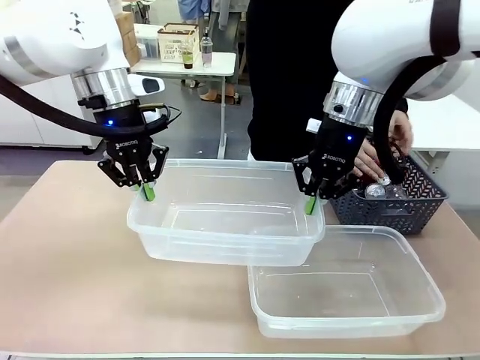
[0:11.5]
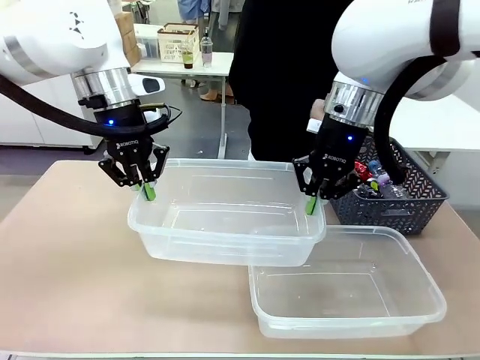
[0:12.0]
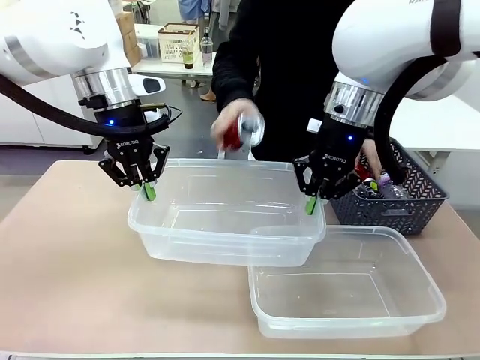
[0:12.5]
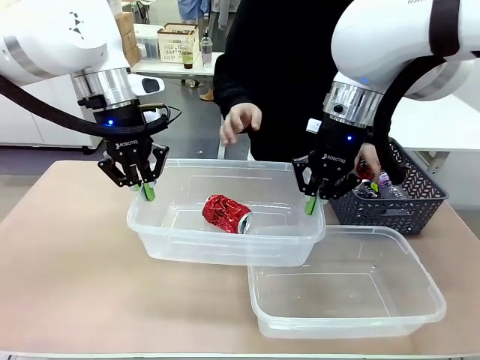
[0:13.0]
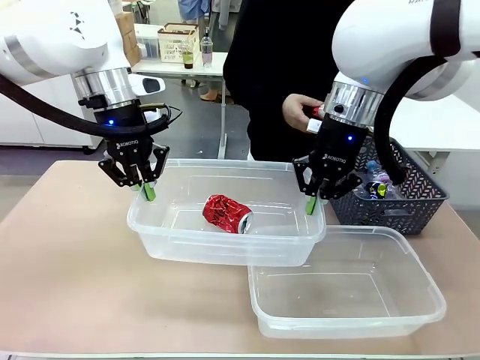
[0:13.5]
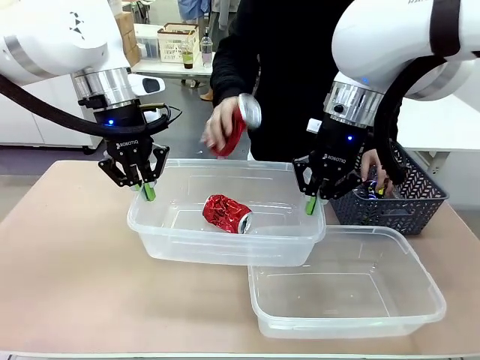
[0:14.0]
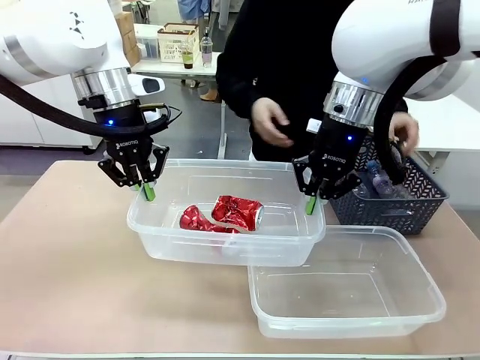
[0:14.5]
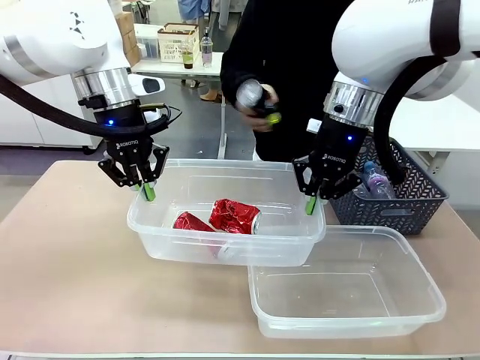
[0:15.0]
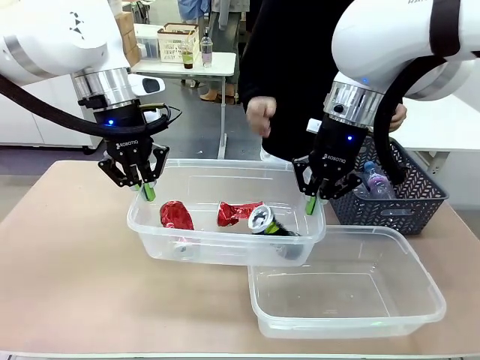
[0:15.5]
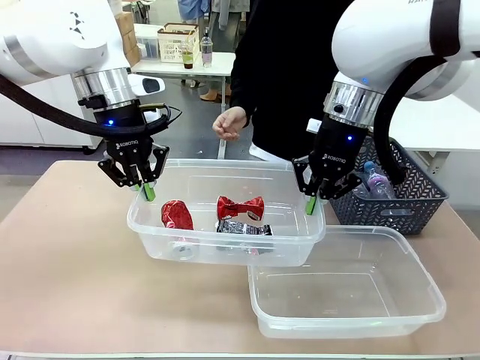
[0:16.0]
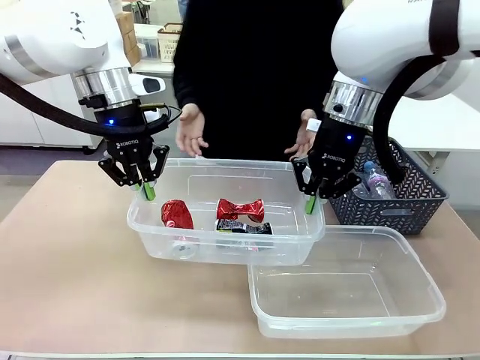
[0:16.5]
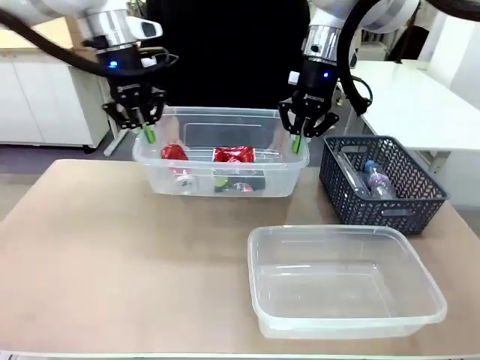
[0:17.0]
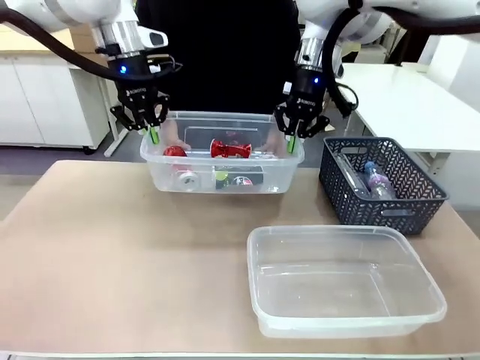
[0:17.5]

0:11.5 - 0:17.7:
Robot: Offer the picked Organizing box to the human.

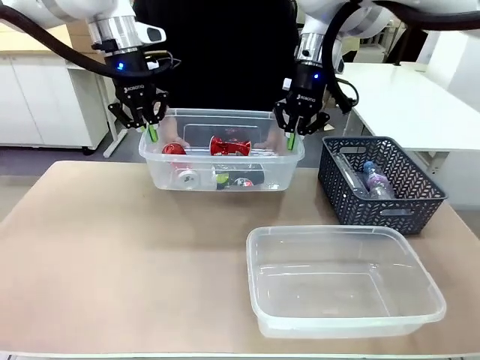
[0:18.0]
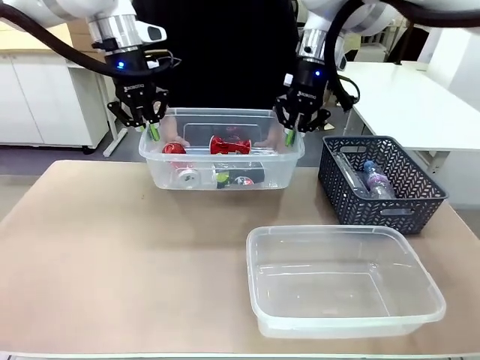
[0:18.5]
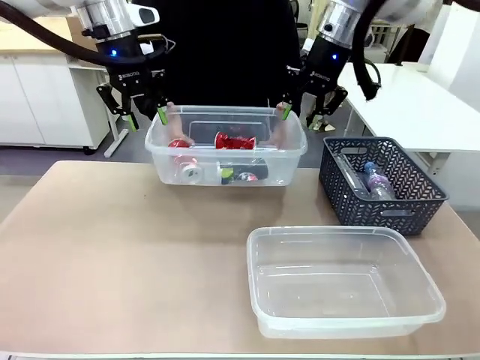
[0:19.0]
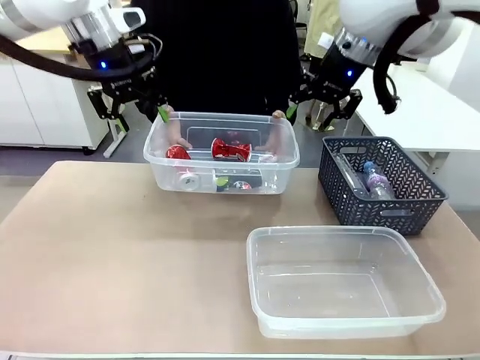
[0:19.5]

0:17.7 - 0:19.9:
Robot: Release the Organizing box you were holding.

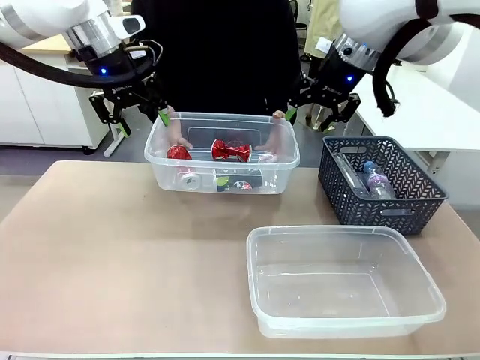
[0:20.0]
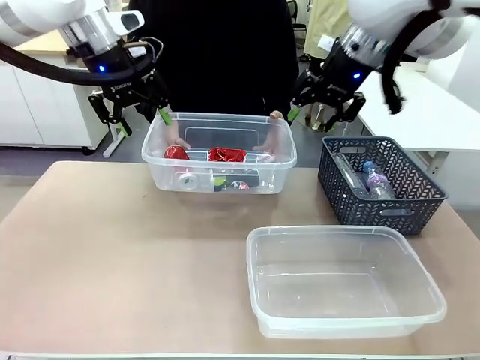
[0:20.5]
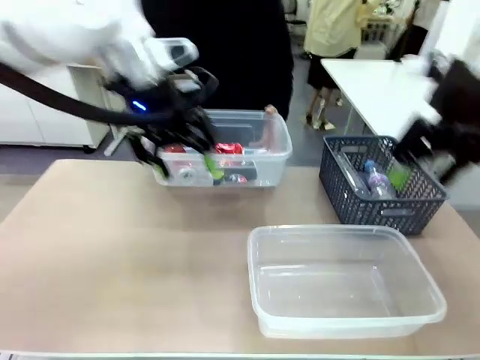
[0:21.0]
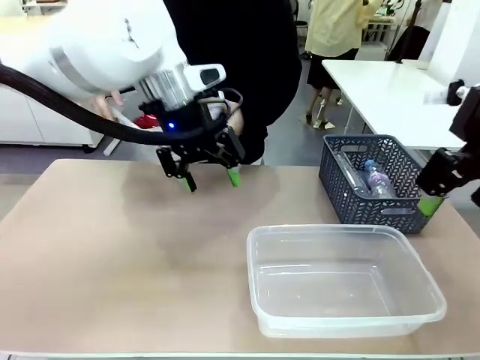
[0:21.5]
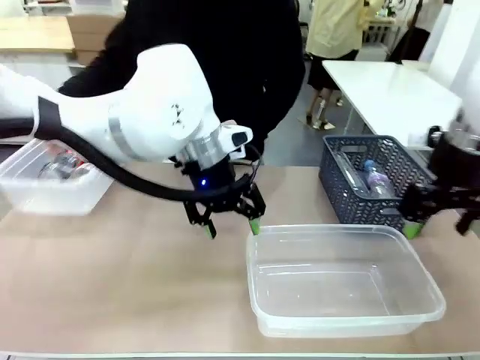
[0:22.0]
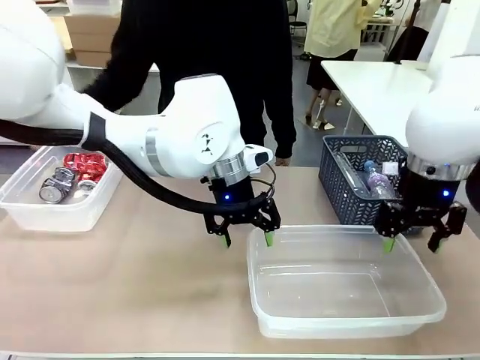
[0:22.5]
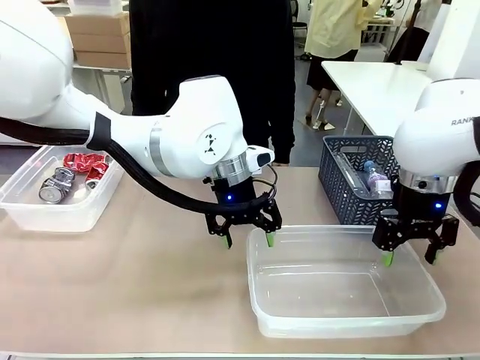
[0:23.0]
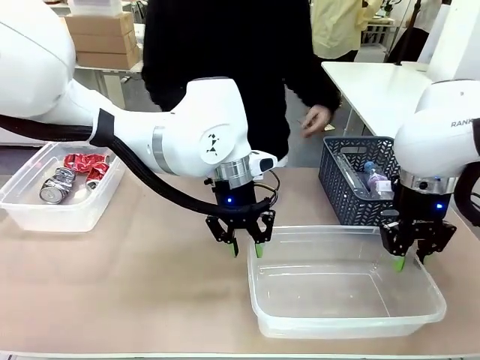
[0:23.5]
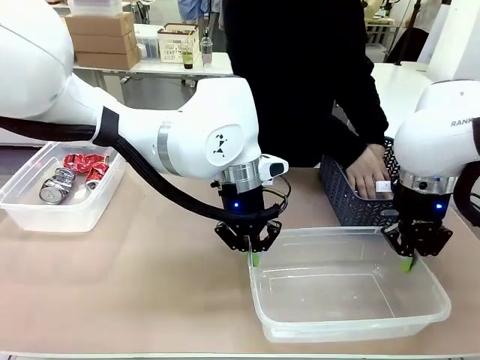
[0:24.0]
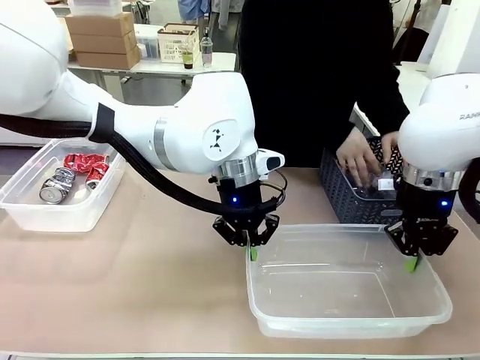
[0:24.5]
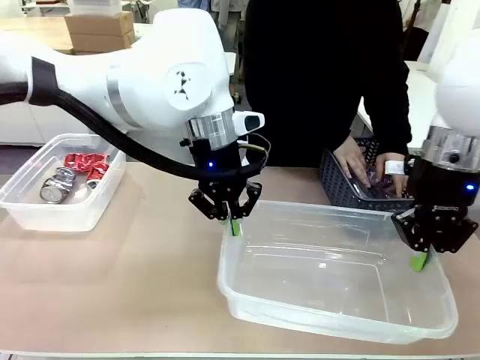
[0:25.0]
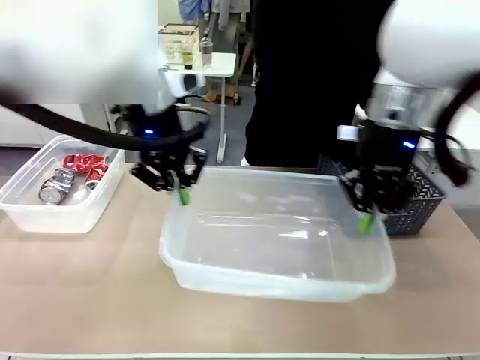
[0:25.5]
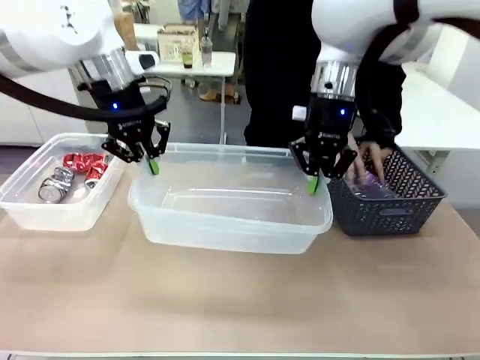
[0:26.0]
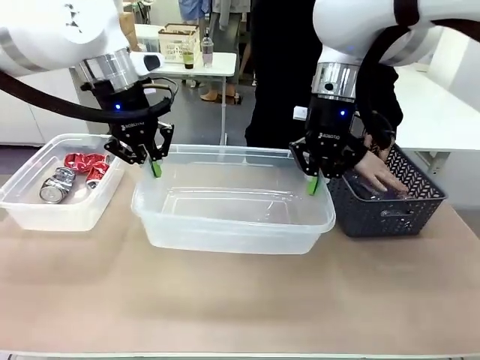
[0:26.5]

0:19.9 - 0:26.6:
Robot: Pick up the Organizing box on the right side of the table and lift it.
Person: Place it at the edge of the bottom right area of the robot table.

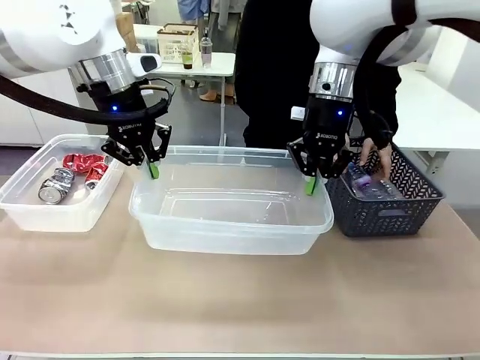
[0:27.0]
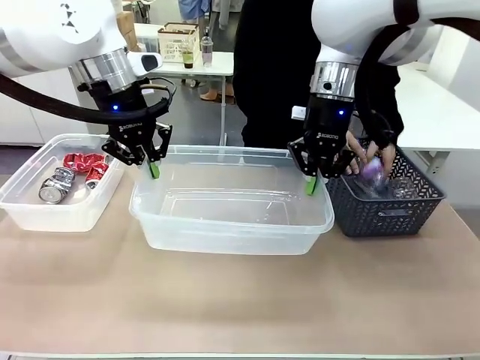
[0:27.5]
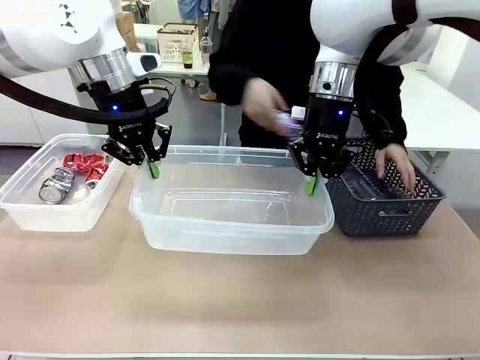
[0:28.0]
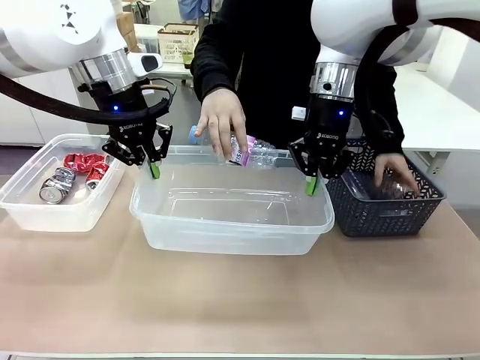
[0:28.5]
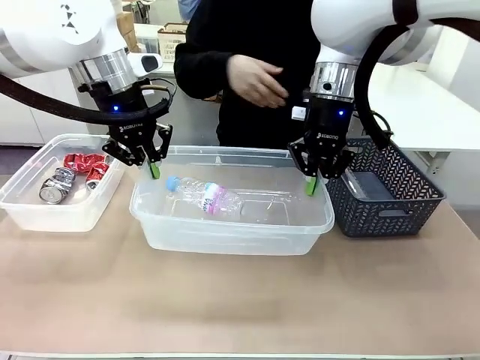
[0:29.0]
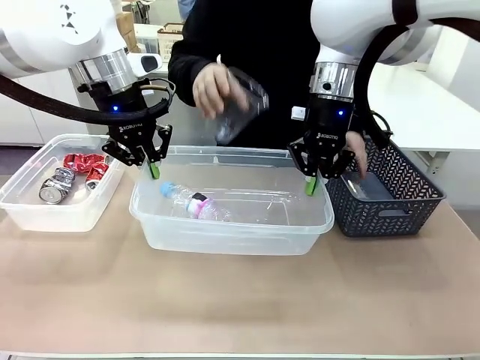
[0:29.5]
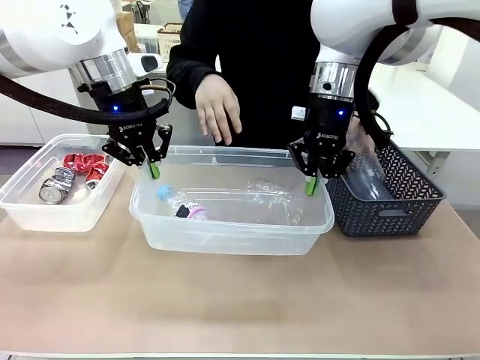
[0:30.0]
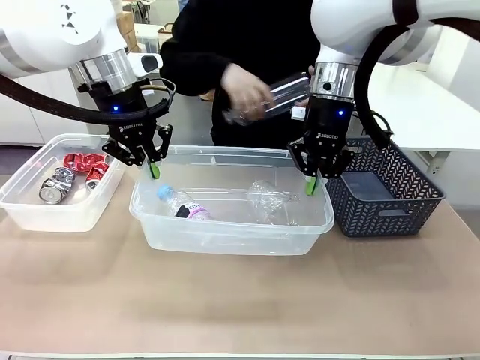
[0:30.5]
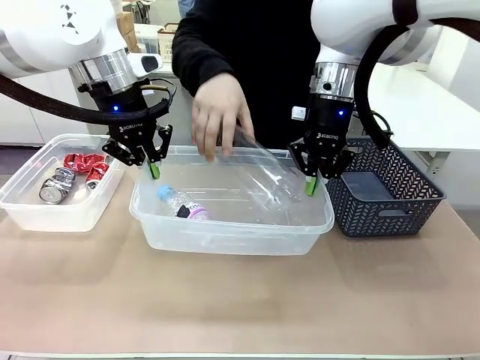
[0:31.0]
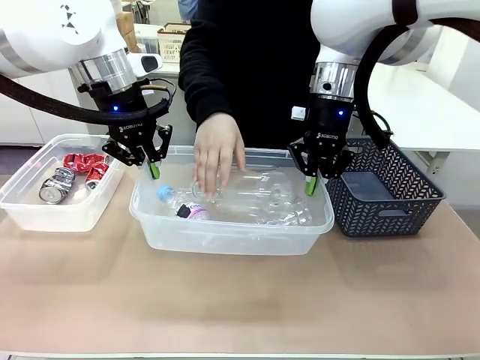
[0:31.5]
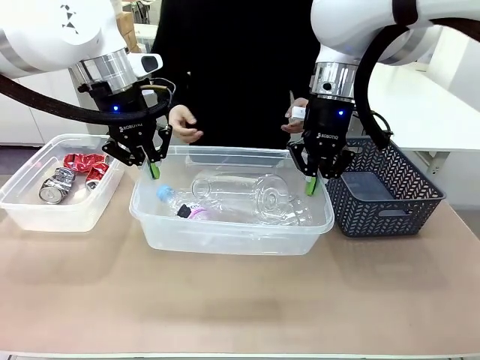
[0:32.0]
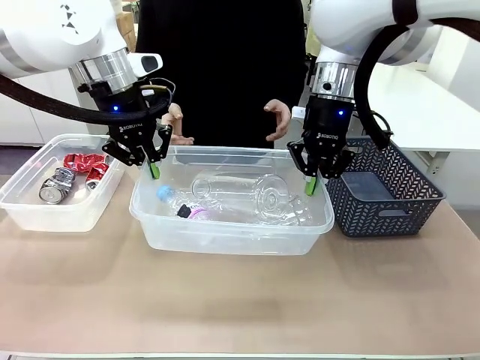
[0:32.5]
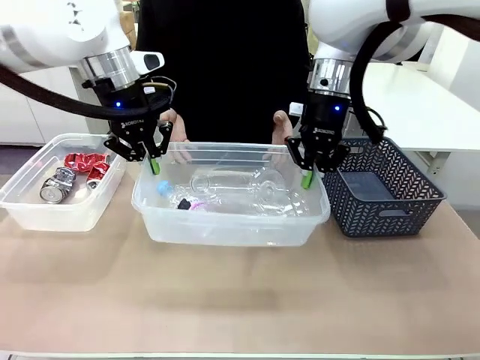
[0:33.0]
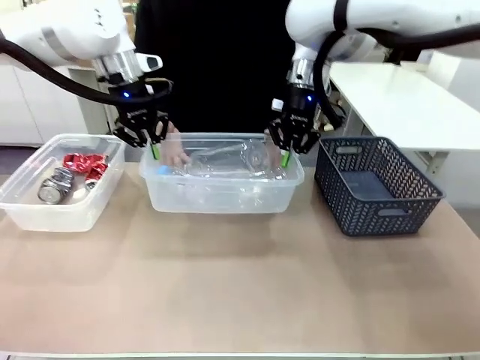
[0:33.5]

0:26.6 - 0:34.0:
Robot: Offer the picked Organizing box to the human.
Person: Pick up plastic waste one by one and place it into the organizing box lifted by the robot.

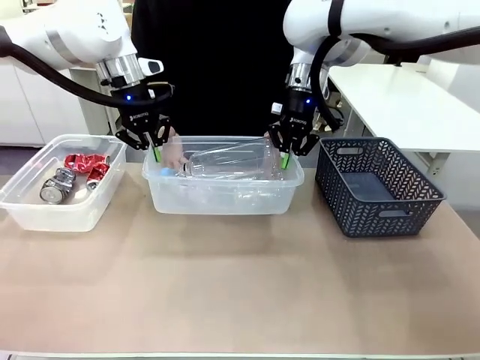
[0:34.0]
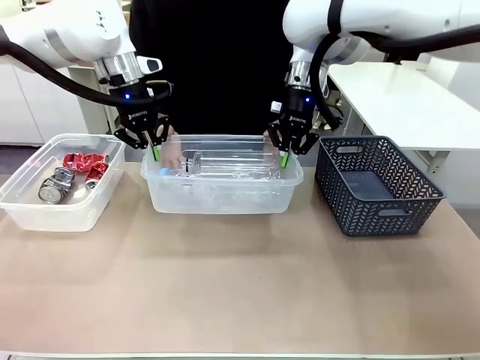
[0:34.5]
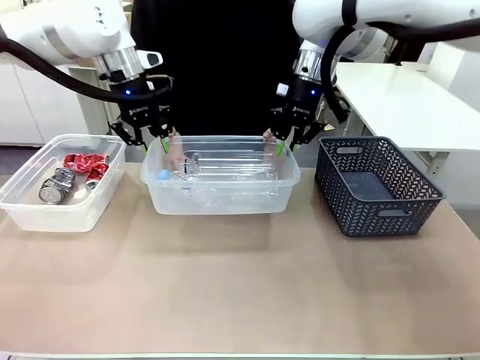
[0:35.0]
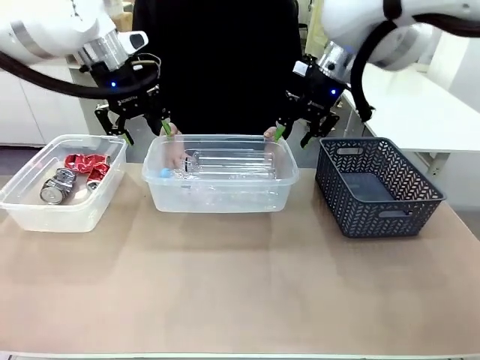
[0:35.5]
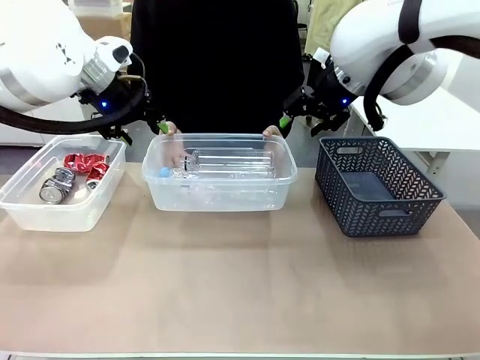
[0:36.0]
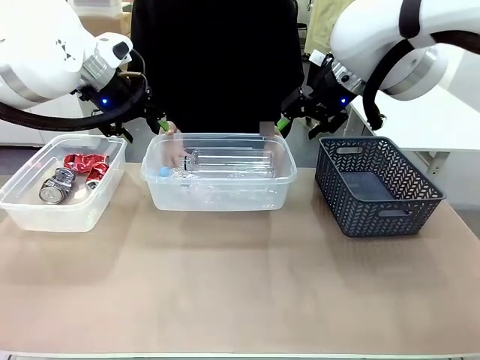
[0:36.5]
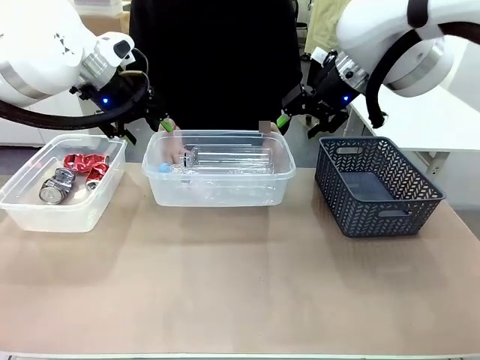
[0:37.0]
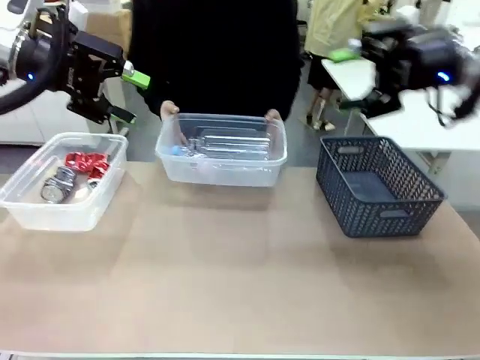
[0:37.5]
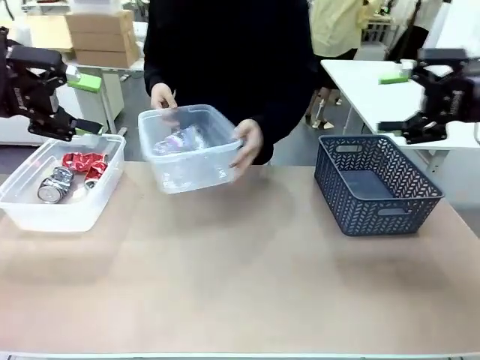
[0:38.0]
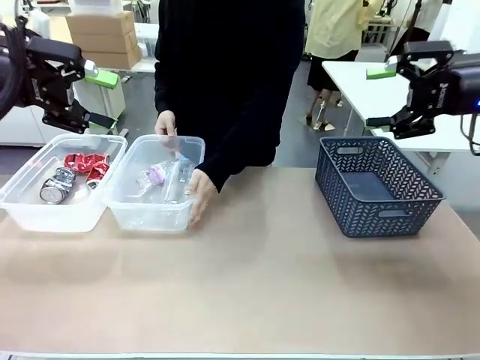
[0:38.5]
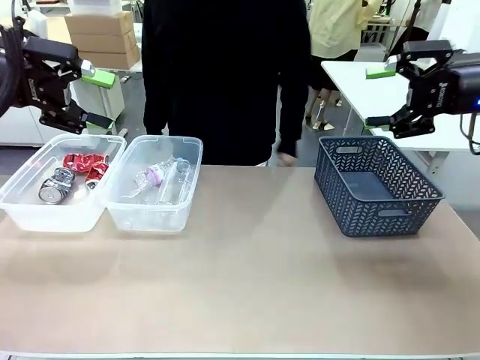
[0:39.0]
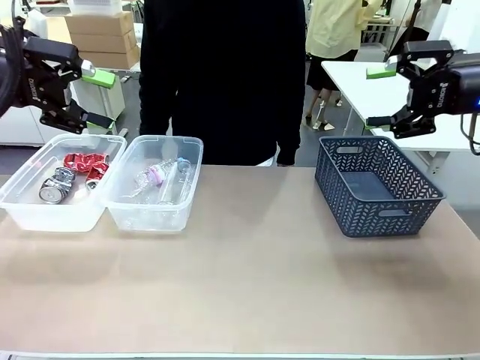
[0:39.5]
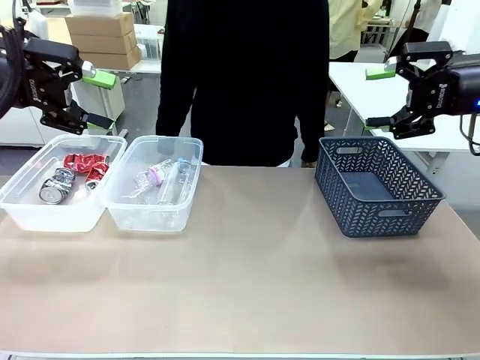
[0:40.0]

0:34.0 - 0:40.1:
Robot: Release the Organizing box you were holding.
Person: Pick up the organizing box extended by the robot. Place the organizing box to the left of the sorting box containing the can waste.
